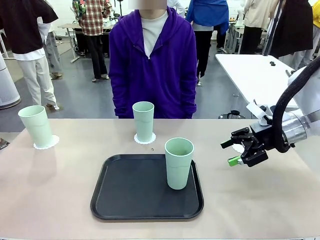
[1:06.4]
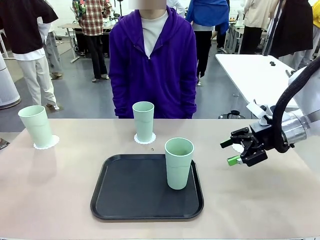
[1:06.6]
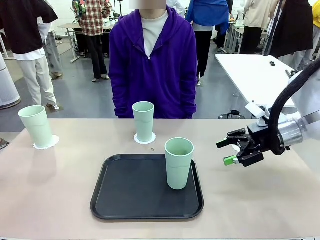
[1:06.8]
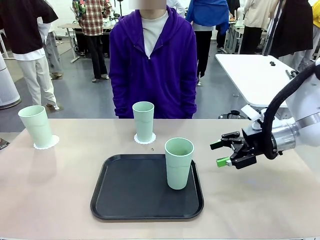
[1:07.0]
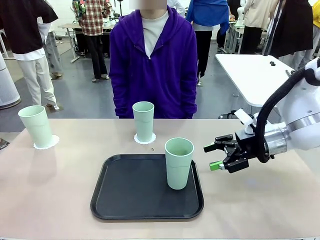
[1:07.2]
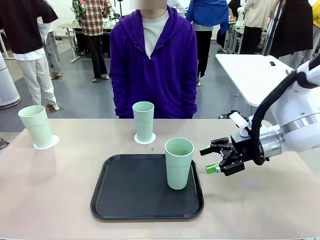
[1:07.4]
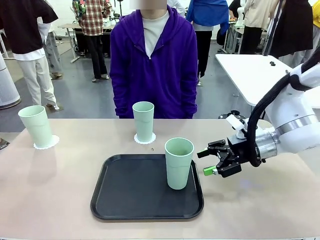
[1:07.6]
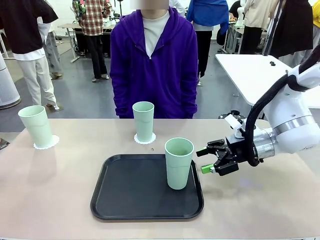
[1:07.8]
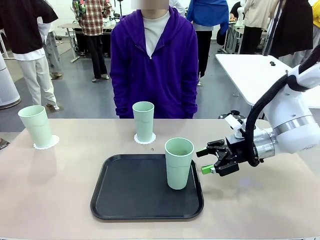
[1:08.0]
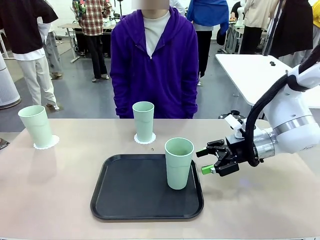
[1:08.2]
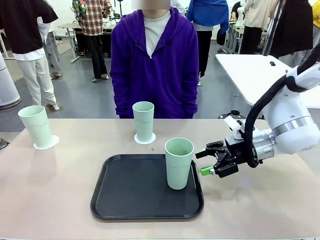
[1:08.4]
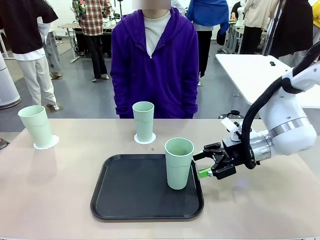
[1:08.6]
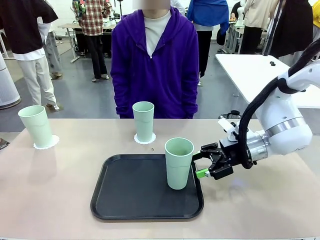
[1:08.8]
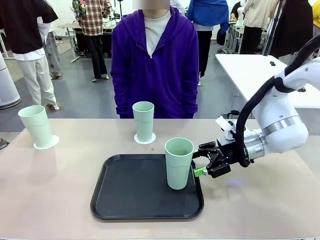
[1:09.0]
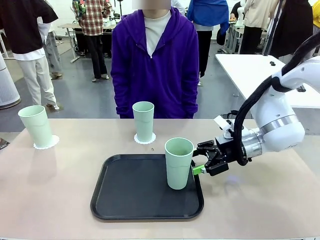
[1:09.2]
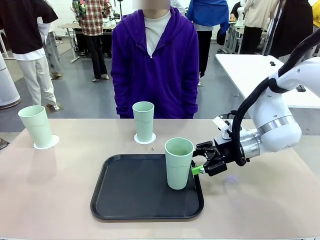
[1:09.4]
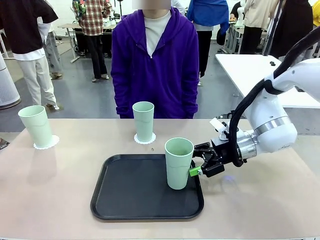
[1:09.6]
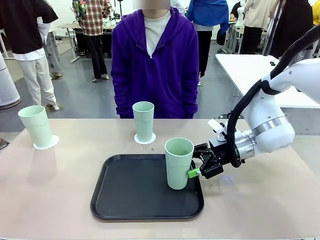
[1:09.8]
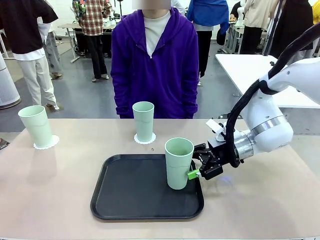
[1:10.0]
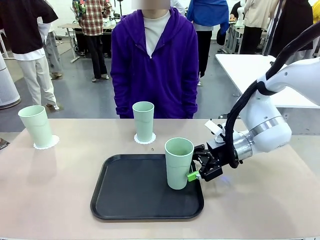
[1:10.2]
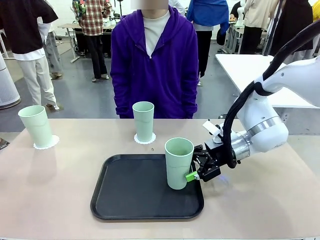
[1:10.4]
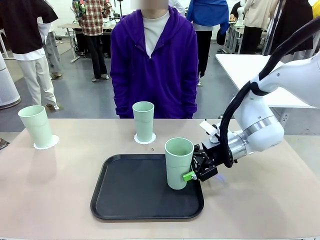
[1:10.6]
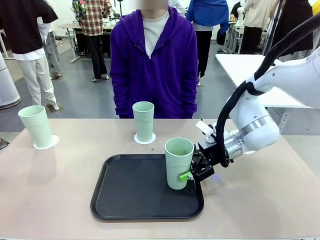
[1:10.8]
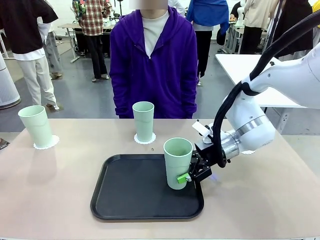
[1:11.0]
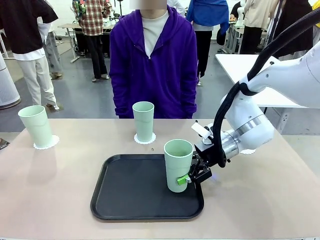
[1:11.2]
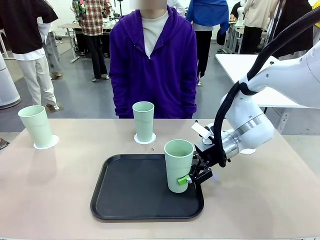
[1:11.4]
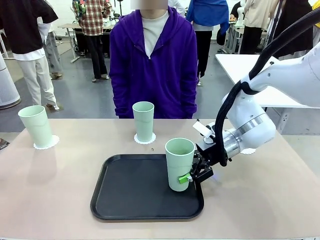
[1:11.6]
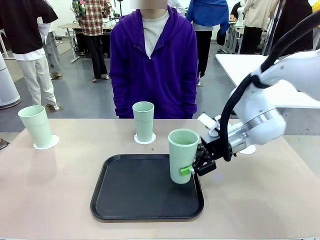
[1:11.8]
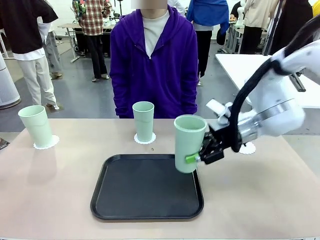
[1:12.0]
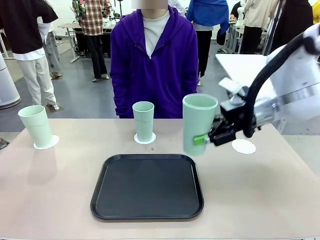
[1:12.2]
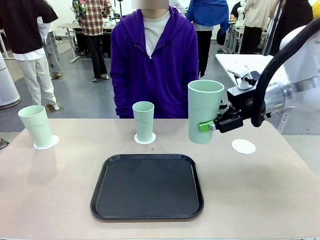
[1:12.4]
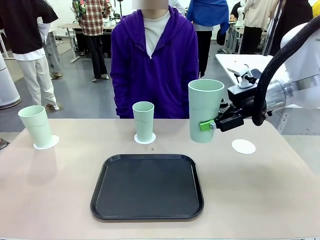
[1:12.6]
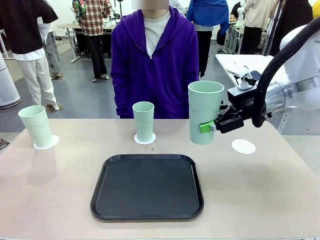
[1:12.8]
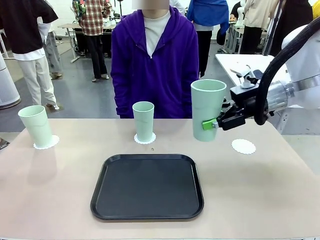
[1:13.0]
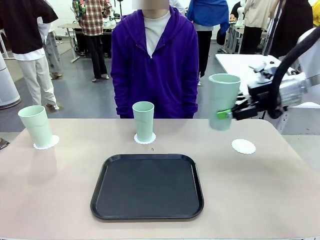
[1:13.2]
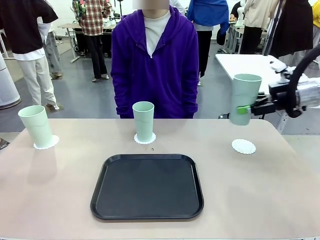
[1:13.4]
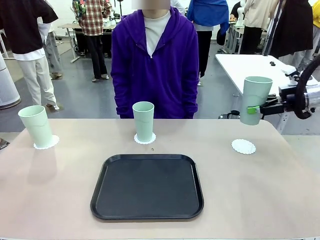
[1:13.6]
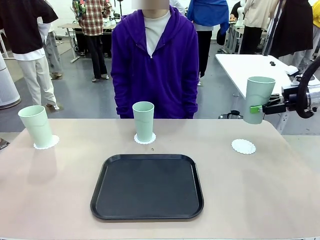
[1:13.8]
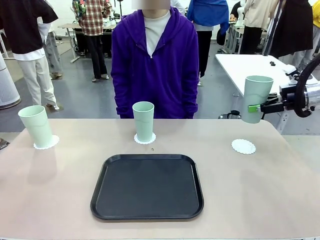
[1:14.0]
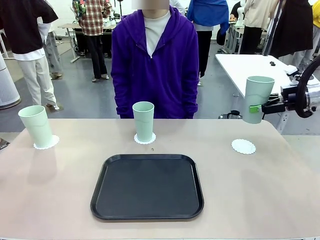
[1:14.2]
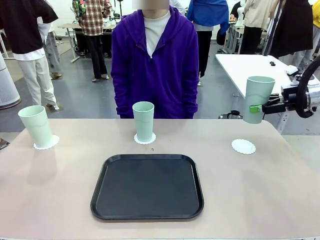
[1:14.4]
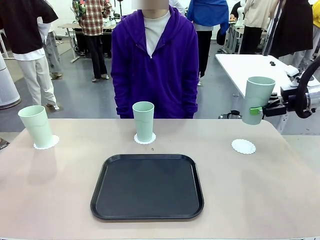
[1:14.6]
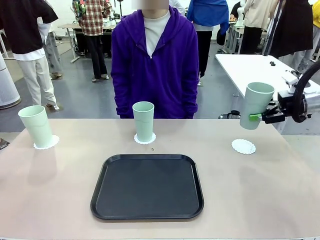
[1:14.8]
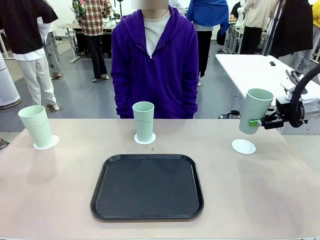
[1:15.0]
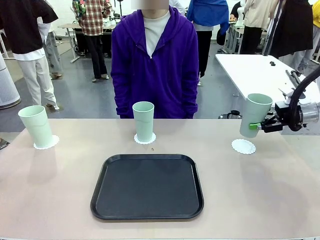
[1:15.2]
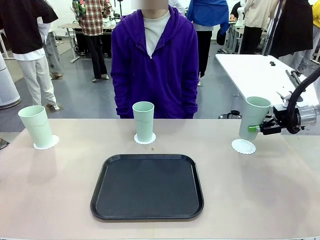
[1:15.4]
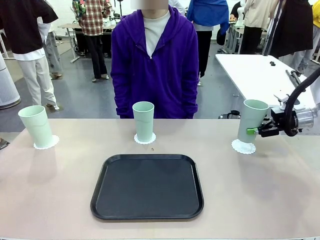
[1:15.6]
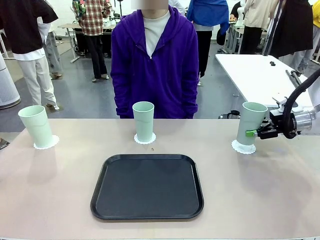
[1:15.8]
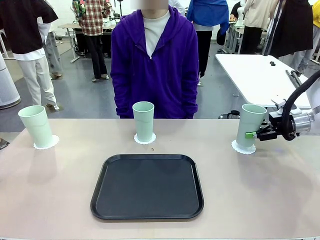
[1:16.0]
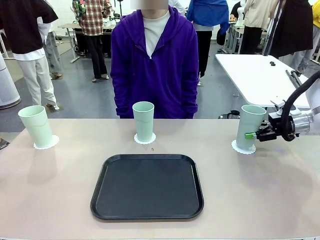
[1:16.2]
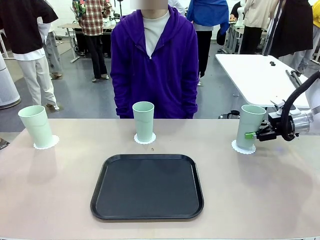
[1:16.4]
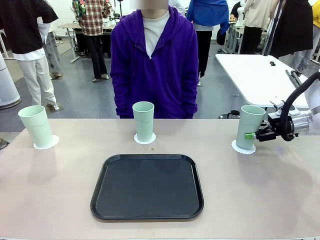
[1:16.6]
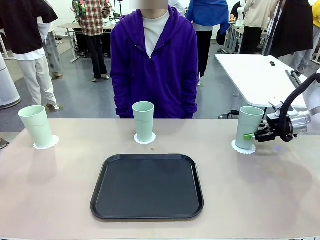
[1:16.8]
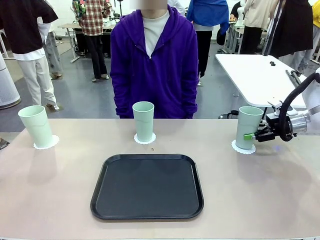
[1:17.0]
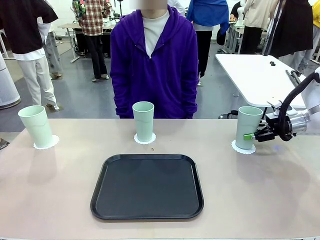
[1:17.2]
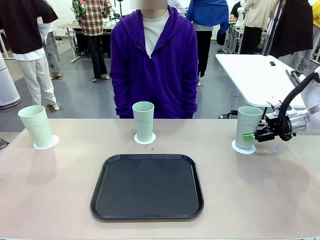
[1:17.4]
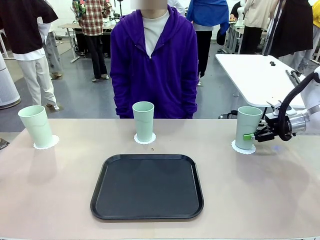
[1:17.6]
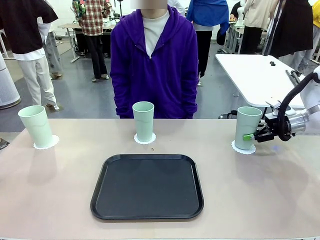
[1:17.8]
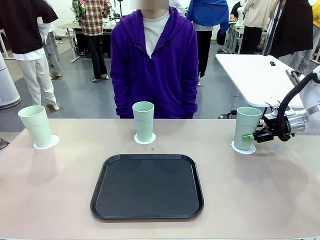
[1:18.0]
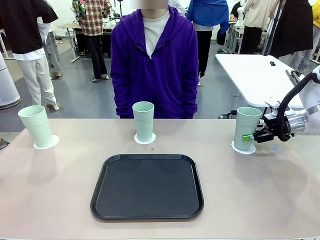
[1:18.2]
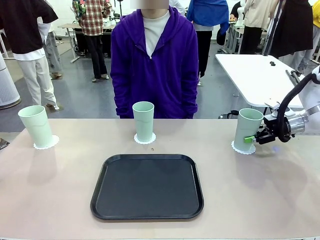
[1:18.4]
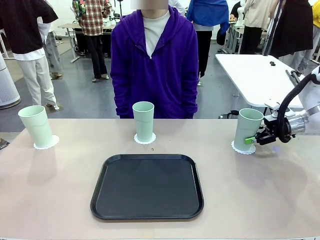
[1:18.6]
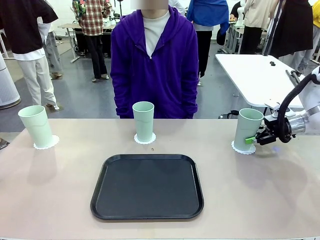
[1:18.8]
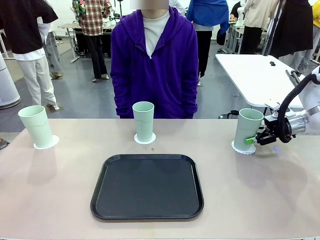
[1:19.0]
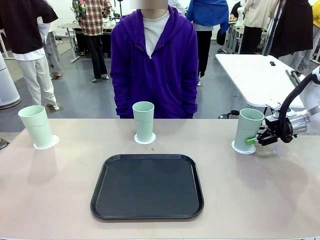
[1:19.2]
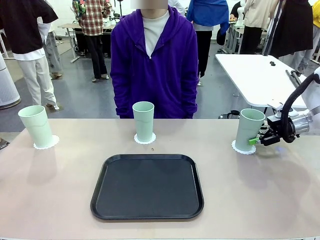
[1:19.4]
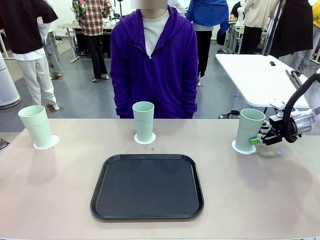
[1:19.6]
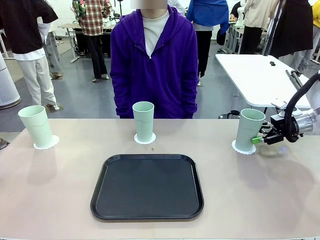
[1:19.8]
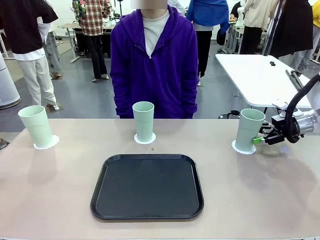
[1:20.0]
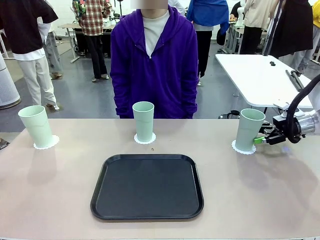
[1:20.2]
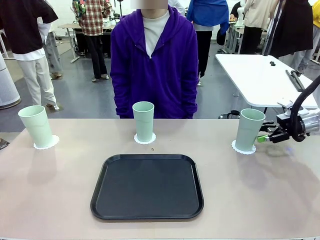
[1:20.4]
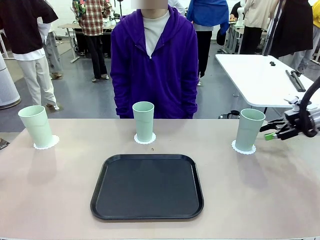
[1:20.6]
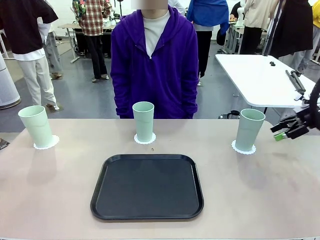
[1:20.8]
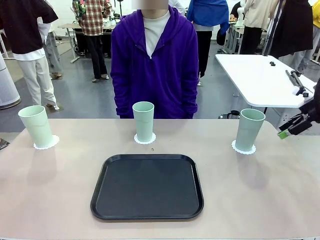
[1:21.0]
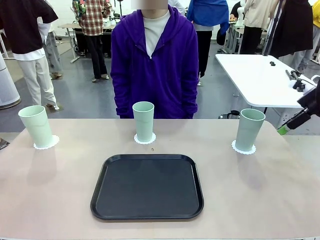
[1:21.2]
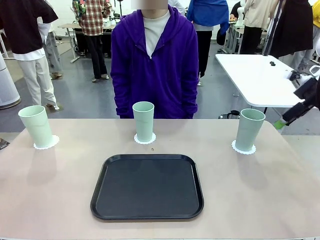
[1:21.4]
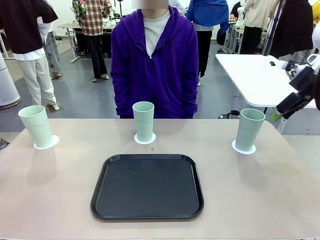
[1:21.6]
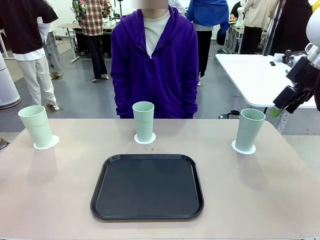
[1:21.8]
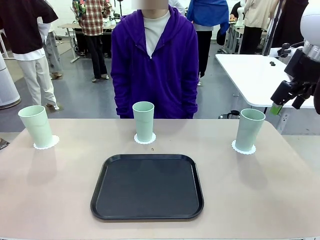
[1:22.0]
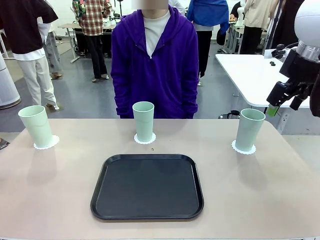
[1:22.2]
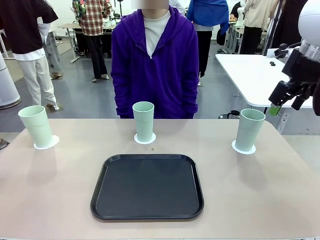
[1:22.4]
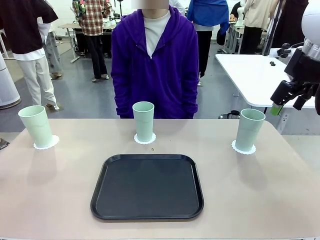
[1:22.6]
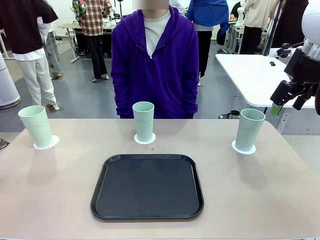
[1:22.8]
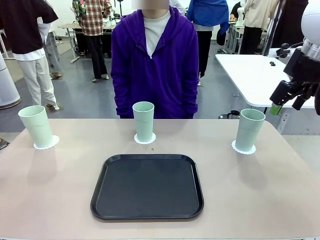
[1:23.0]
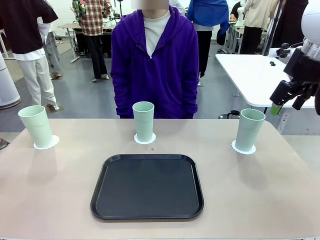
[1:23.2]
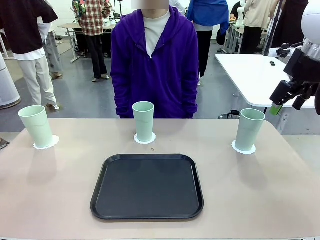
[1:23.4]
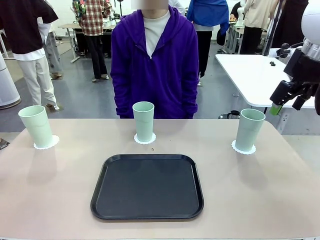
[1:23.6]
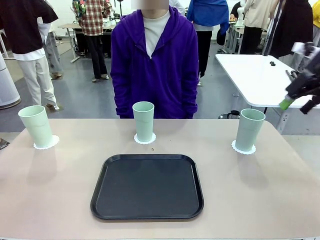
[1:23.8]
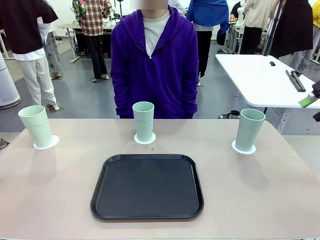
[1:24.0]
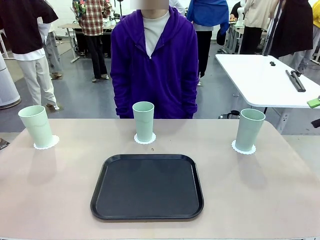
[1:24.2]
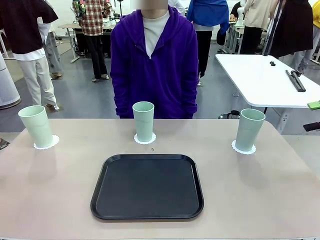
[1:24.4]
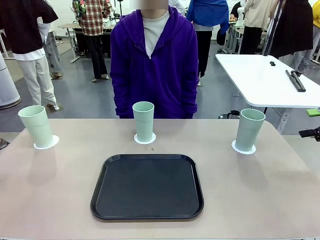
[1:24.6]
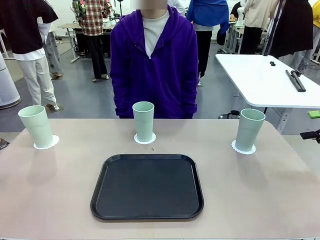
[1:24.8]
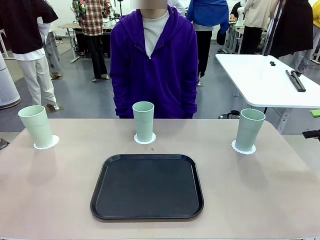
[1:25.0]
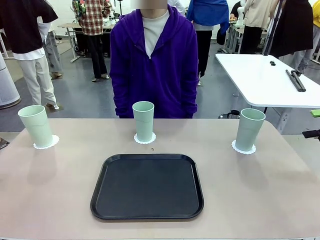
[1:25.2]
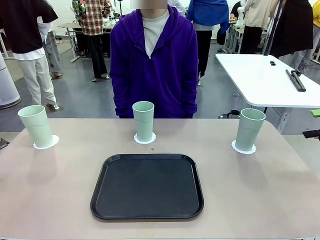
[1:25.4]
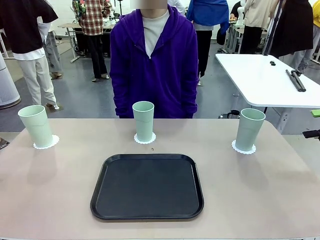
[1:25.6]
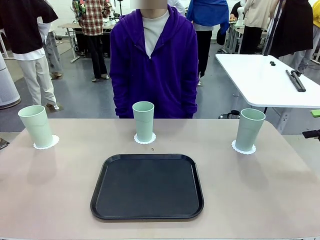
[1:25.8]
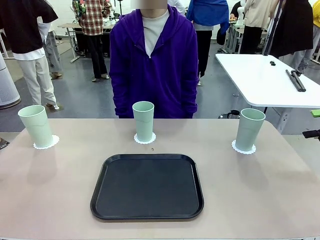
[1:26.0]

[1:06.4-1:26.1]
Task: Place coasters on the table and set cups on them.
Robot: Take one Reusable plastic cup from the Flat Tray and place it on a coaster set by the human.
